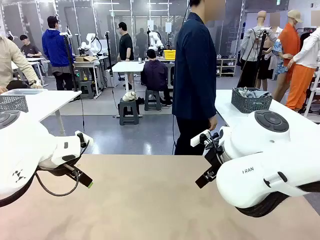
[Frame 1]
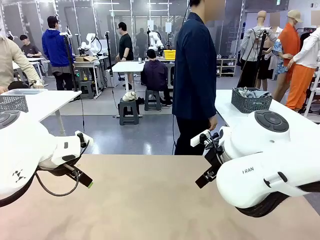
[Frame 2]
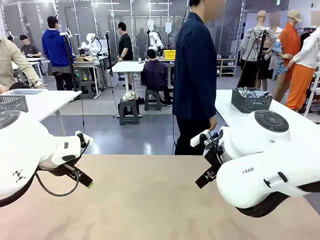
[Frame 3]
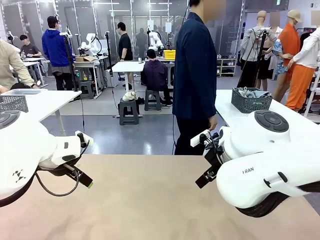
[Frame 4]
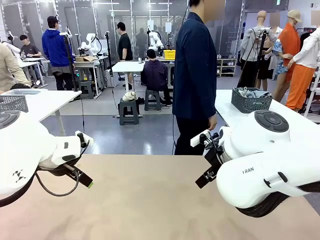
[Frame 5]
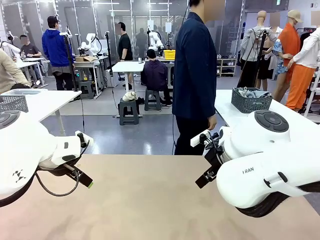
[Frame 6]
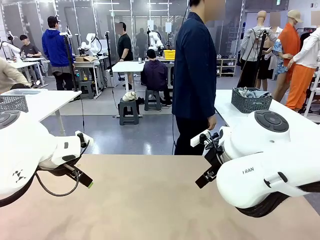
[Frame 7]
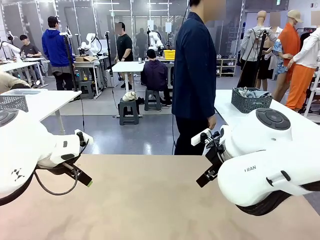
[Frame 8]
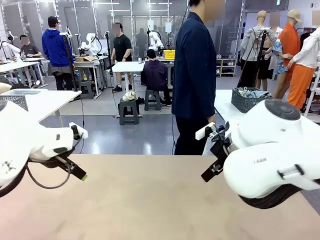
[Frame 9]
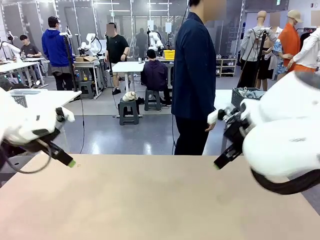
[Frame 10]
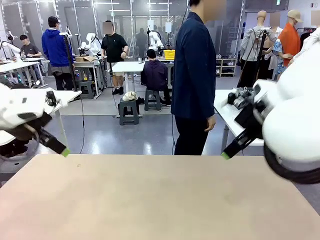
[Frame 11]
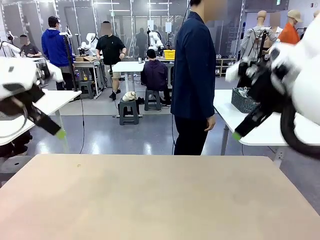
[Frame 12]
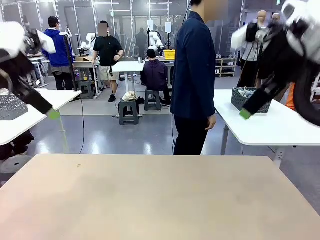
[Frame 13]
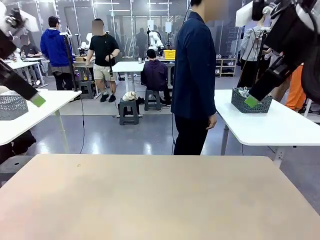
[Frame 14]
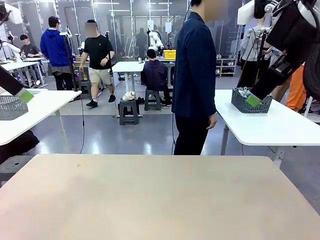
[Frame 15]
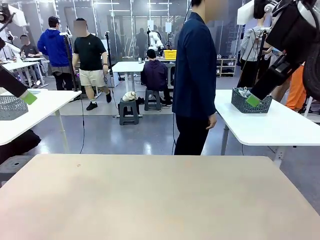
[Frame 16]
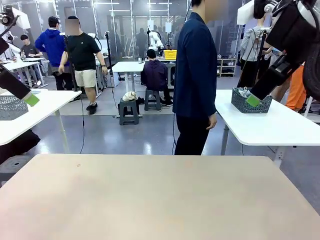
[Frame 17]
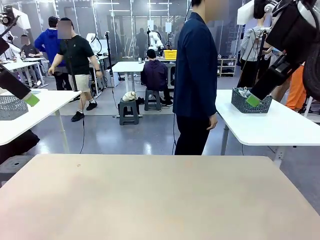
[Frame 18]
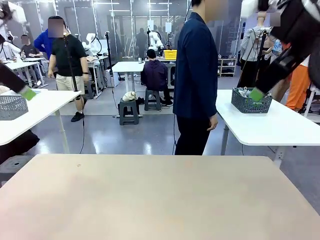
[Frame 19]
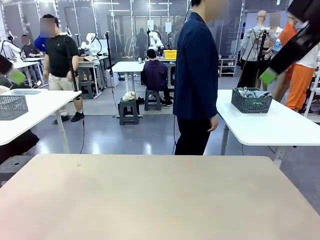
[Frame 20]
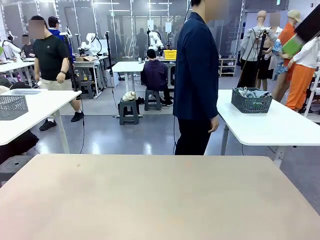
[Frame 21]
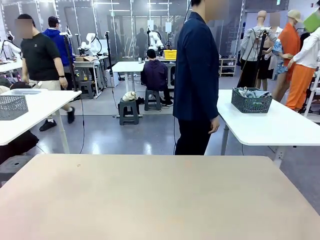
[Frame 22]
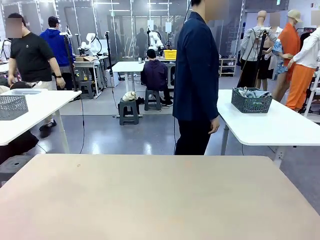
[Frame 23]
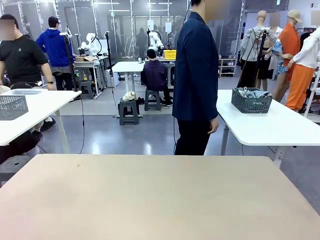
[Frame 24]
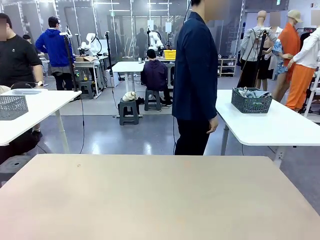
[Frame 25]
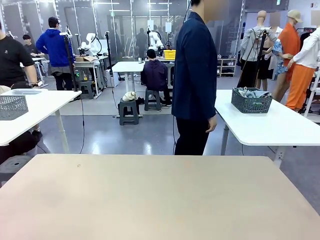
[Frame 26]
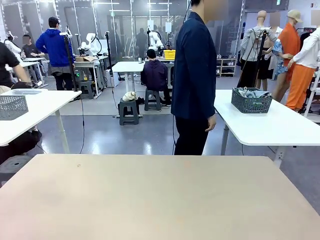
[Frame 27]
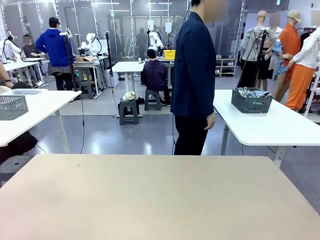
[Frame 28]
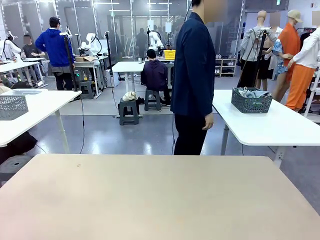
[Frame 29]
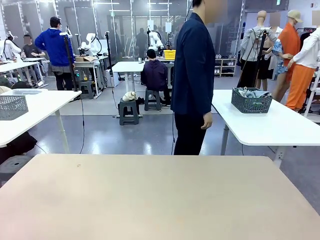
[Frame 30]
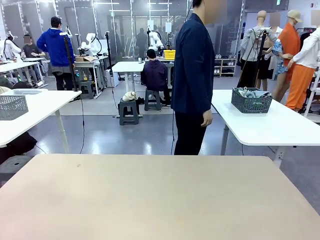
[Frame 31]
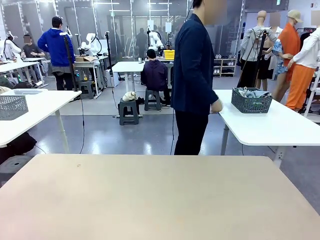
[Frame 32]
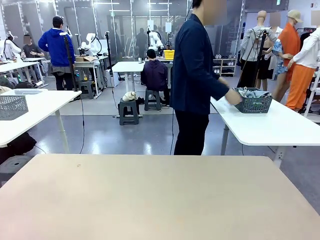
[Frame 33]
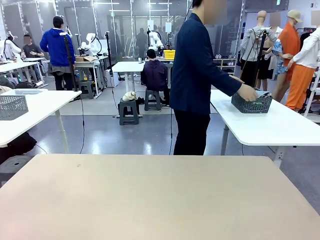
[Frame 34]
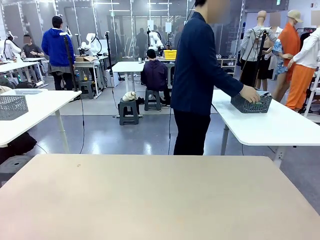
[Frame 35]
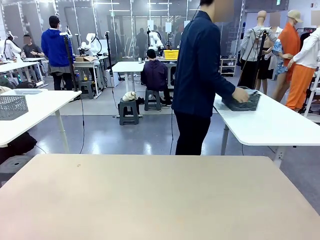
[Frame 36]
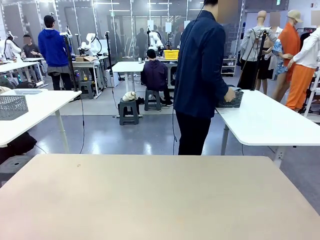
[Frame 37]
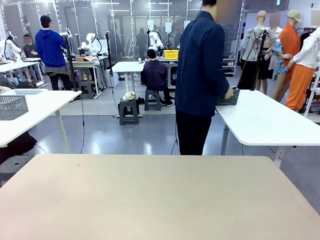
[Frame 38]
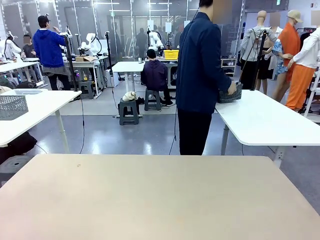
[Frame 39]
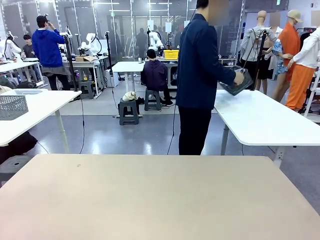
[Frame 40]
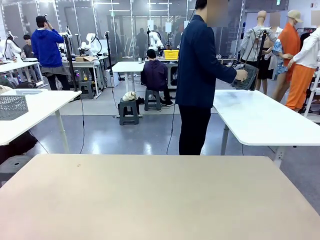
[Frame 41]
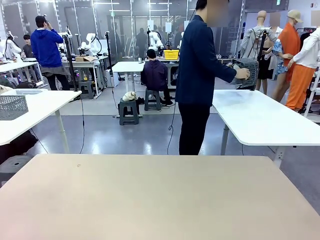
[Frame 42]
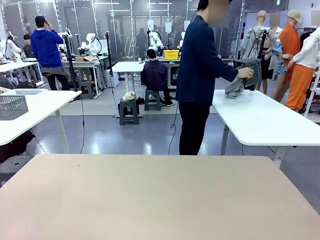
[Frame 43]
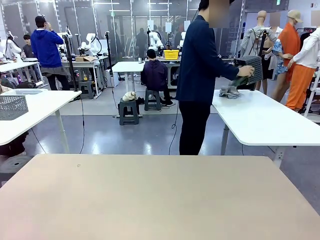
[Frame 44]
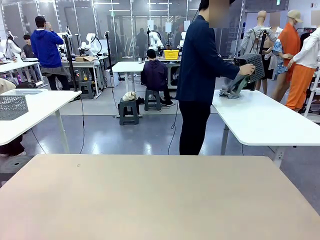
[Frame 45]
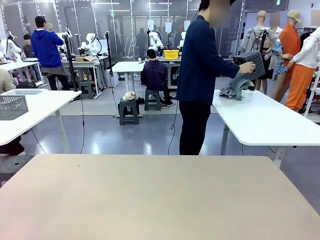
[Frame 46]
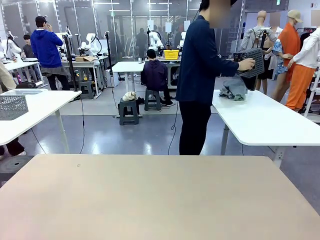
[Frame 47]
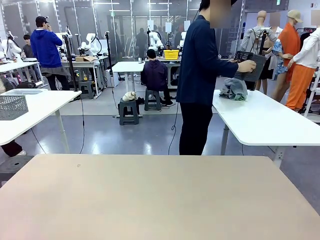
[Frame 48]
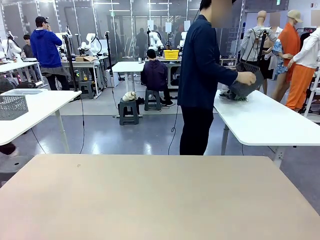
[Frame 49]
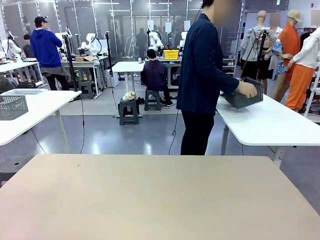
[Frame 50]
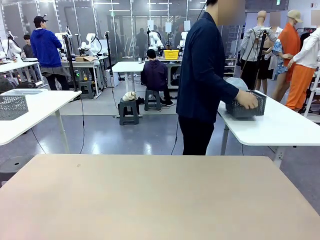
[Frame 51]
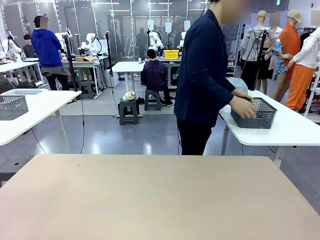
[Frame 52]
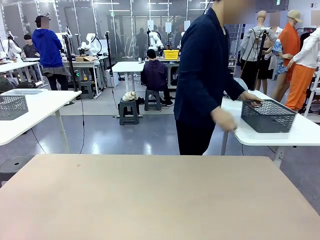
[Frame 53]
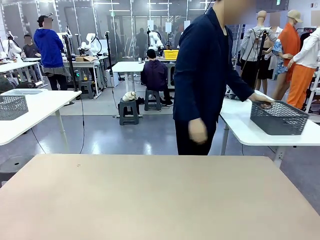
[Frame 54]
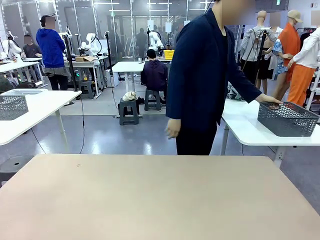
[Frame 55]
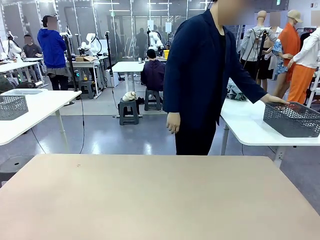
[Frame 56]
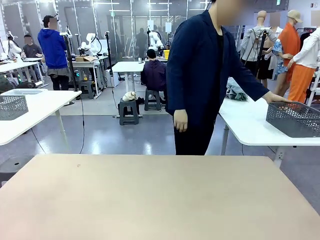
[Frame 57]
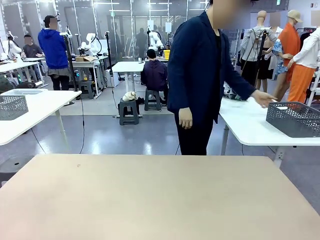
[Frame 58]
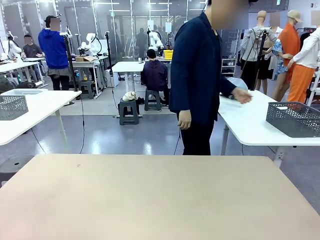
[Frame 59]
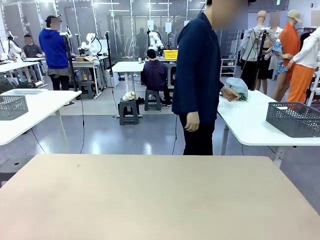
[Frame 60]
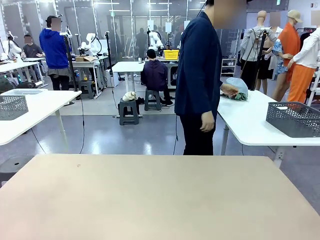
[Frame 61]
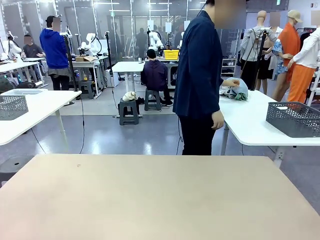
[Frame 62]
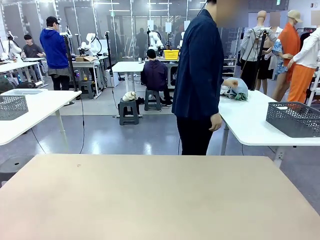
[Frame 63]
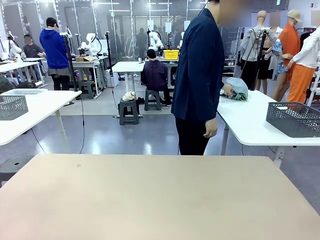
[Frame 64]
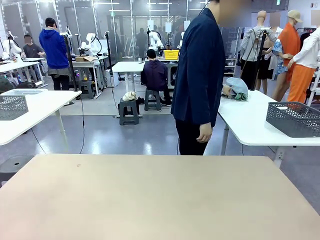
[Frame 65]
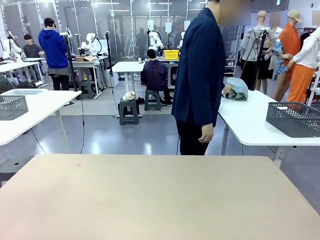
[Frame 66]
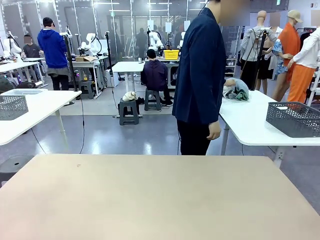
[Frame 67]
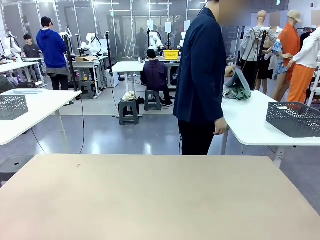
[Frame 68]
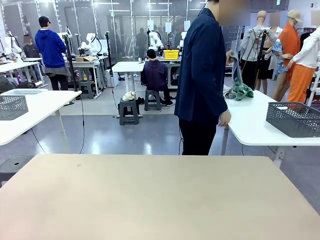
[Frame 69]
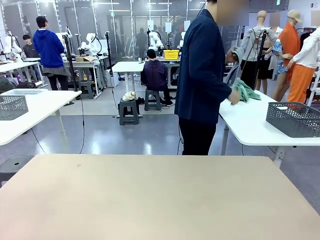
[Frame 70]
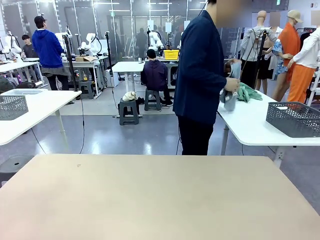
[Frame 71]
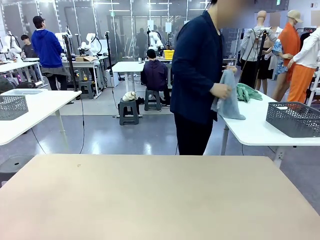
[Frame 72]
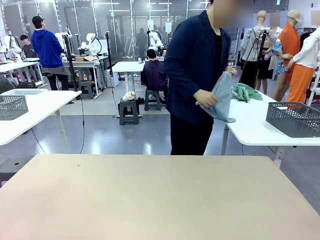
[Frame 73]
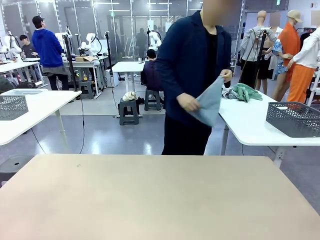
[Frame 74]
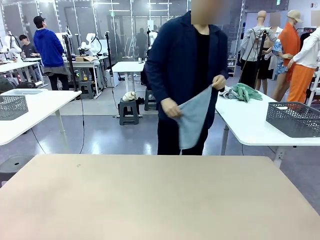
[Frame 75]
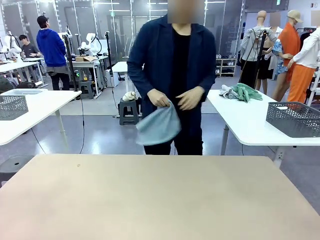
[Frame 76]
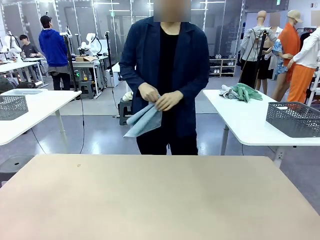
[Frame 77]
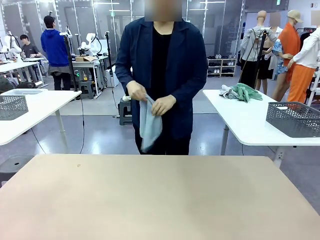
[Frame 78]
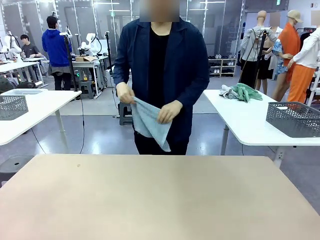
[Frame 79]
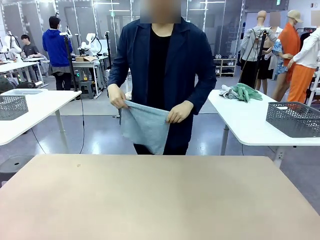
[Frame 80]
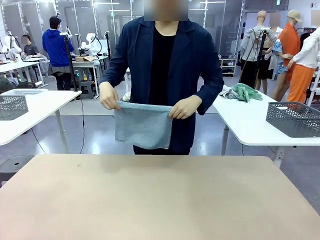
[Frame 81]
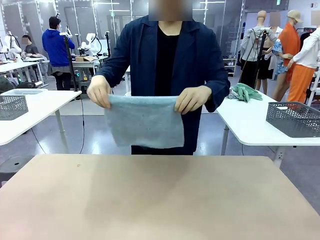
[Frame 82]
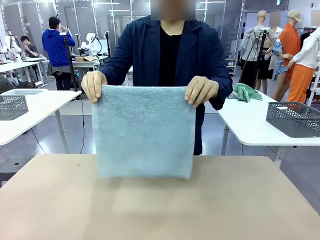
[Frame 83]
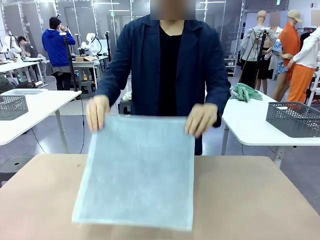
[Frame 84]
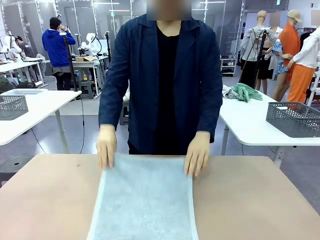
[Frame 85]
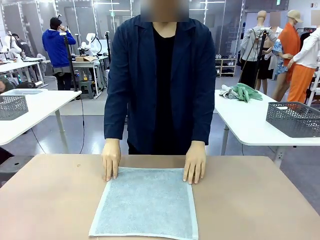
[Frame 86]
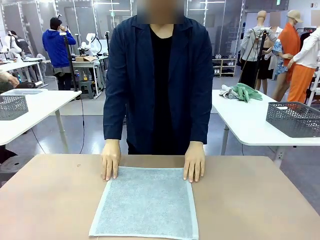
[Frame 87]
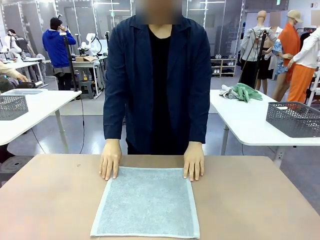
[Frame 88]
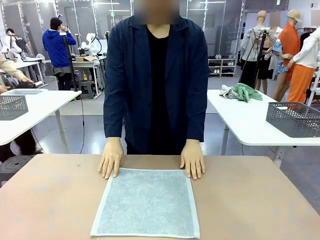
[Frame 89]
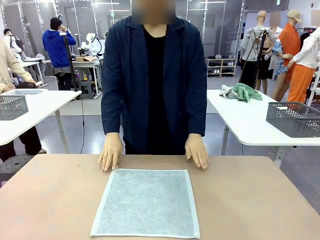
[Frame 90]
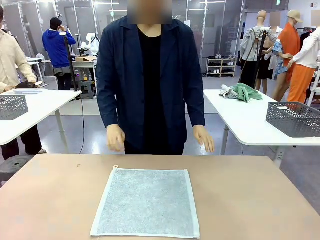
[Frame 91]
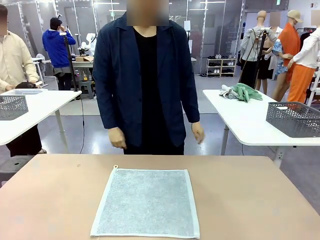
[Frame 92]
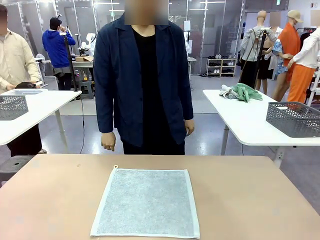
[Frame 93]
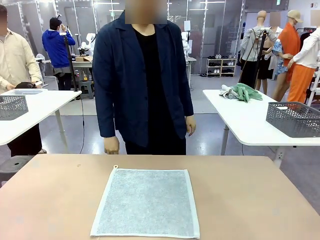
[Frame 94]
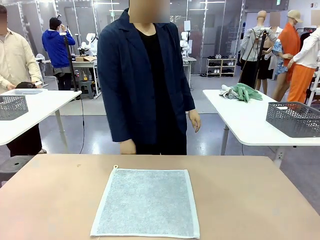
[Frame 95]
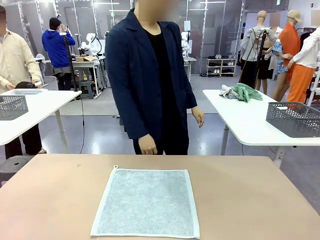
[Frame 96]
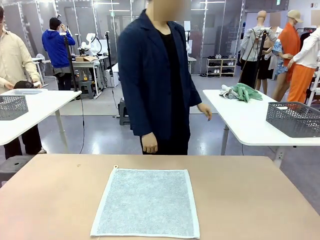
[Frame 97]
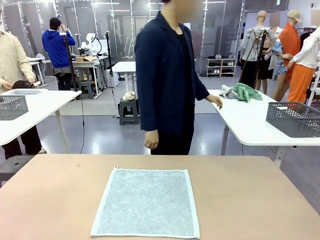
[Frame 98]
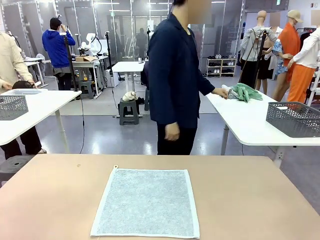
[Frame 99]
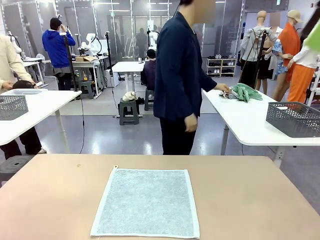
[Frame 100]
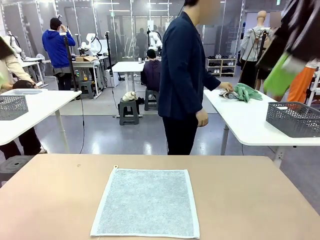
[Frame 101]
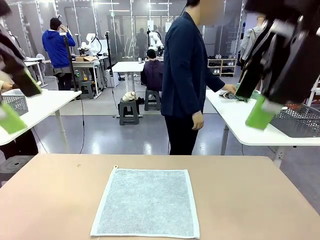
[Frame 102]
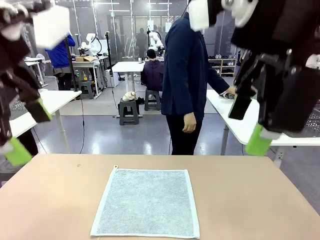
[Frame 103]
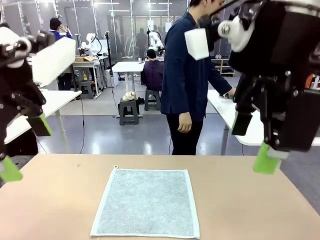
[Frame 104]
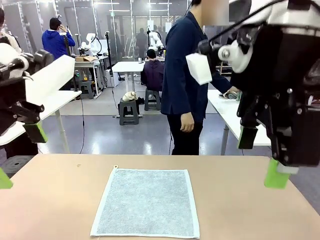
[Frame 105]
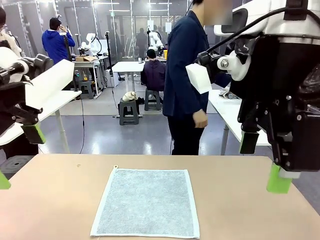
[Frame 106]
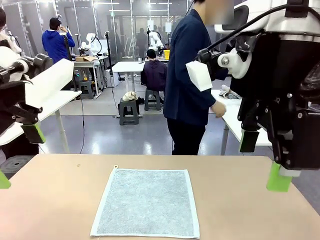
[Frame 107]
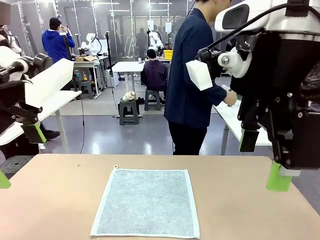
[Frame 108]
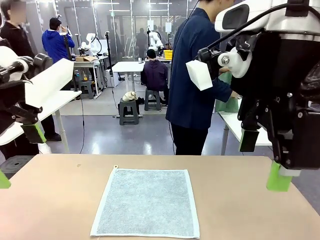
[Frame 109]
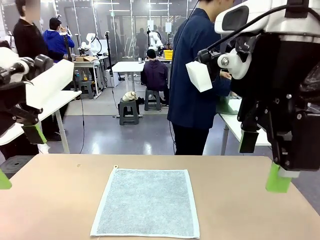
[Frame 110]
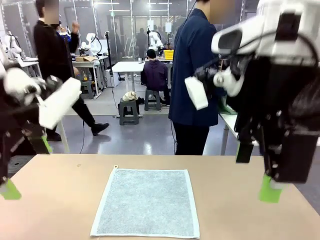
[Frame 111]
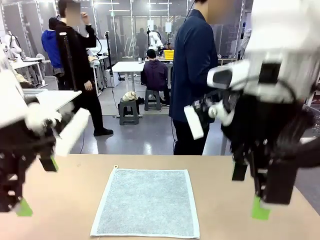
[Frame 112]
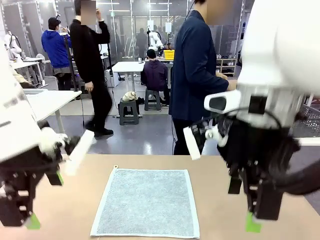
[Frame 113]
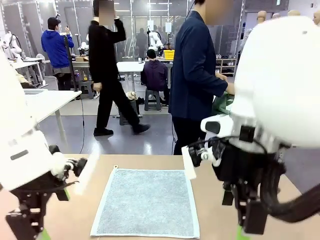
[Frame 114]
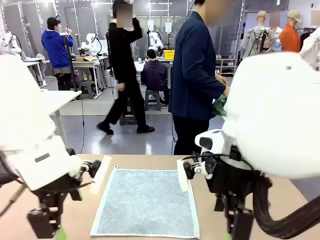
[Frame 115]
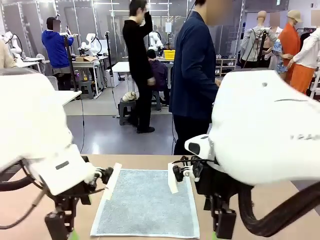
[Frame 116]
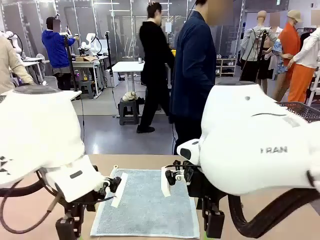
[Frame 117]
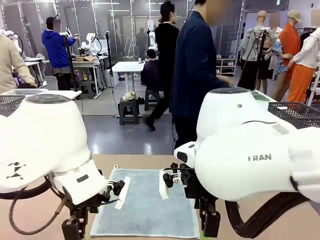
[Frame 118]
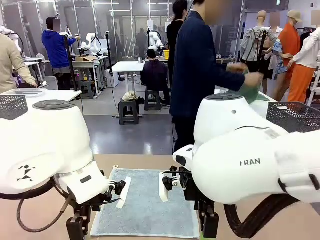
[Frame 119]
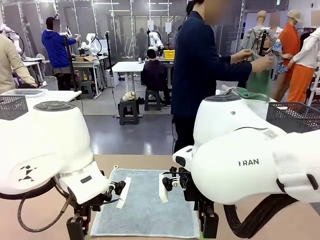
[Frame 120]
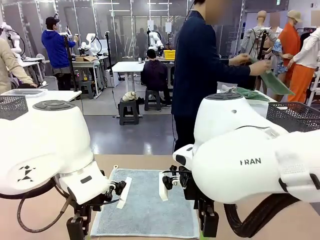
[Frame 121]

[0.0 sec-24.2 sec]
Task: Fold the towels and place them in the basket.
Robot: When a person lays out a Towel with hook on the table, fold it in half twice.
Person: Pick up the basket, pour the towels onto the left side of the human table, and place the basket on the right side. Pick up one towel and spread it out at the center of the robot table.
